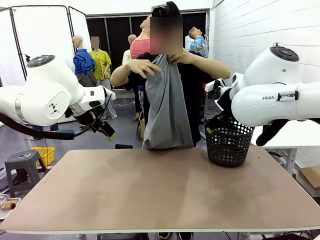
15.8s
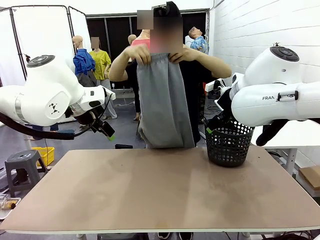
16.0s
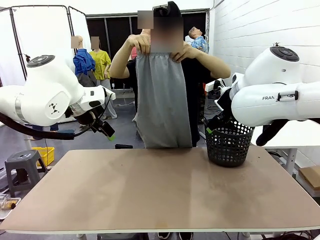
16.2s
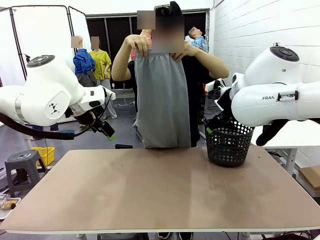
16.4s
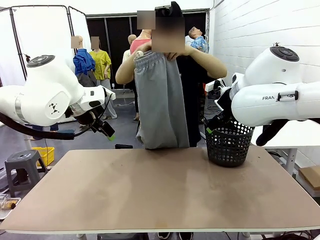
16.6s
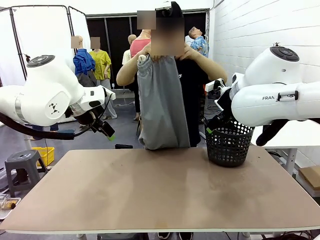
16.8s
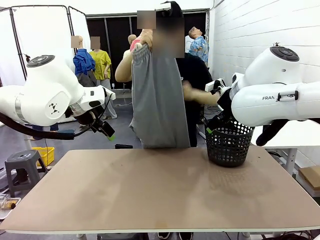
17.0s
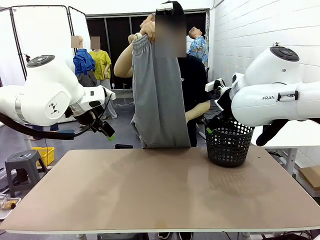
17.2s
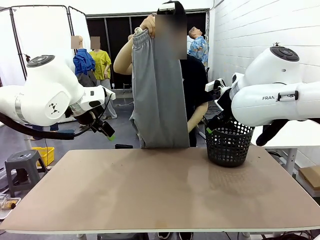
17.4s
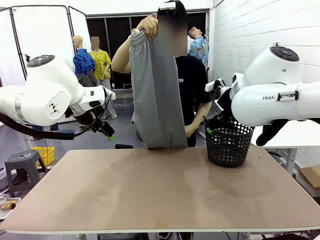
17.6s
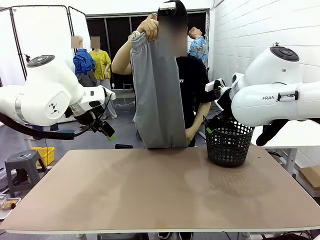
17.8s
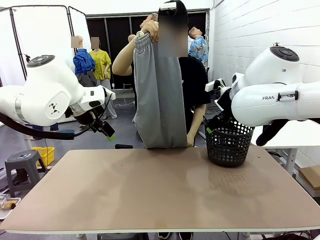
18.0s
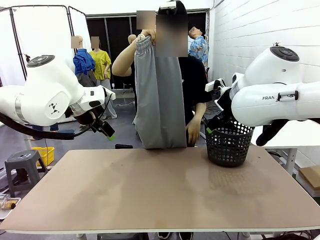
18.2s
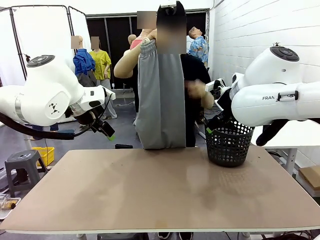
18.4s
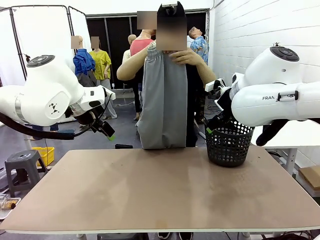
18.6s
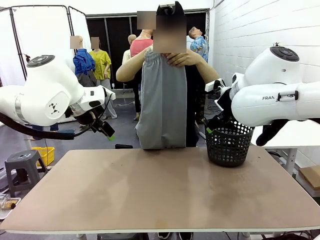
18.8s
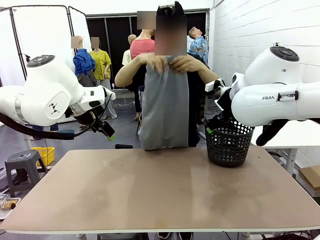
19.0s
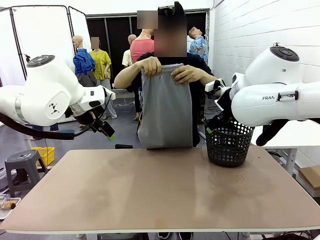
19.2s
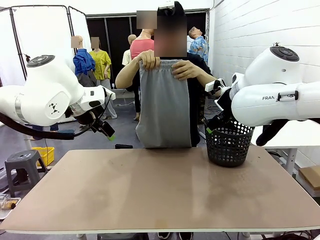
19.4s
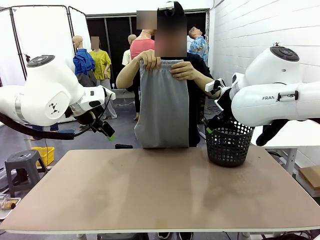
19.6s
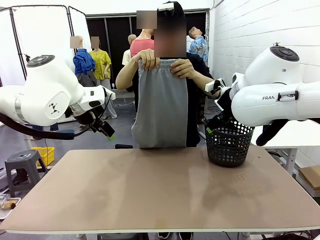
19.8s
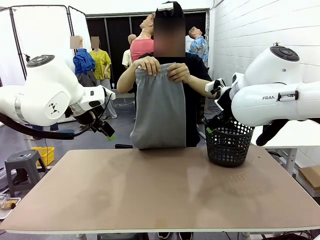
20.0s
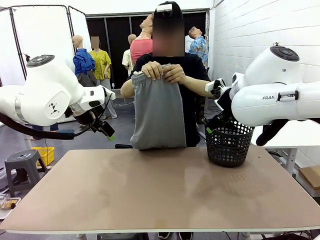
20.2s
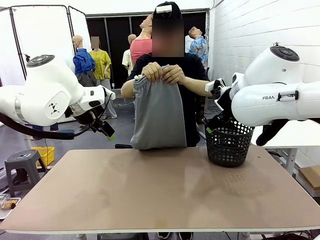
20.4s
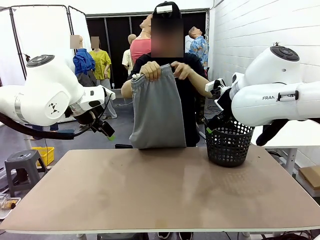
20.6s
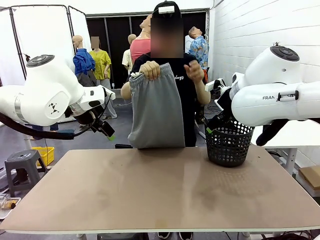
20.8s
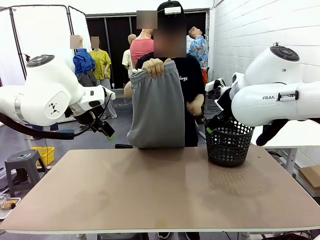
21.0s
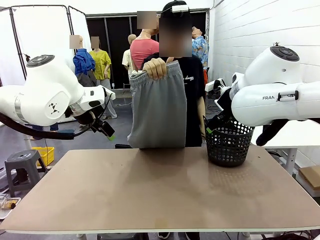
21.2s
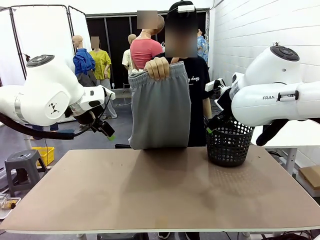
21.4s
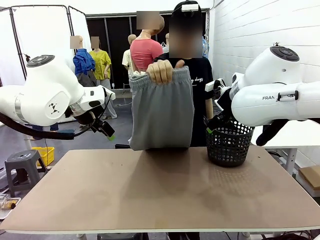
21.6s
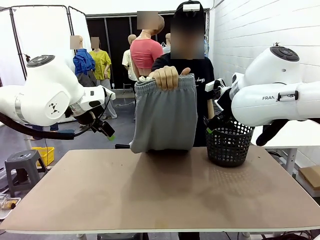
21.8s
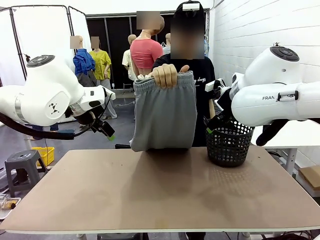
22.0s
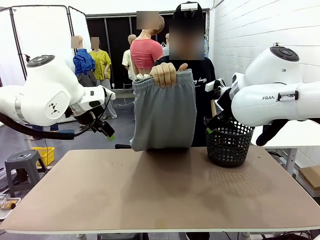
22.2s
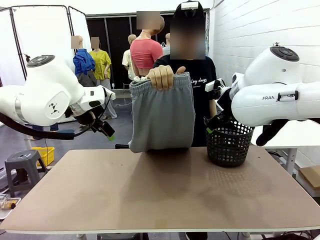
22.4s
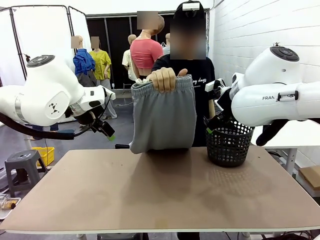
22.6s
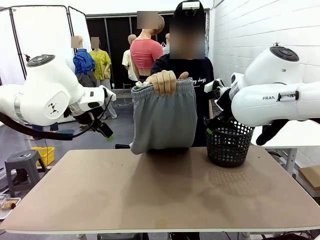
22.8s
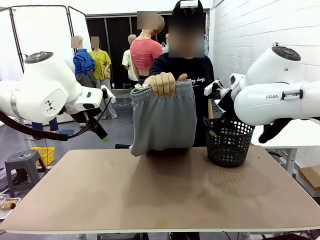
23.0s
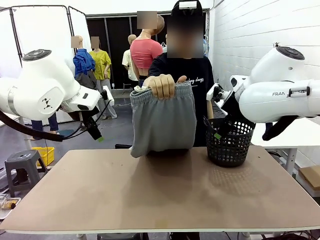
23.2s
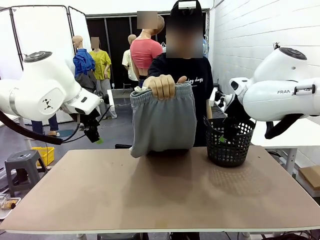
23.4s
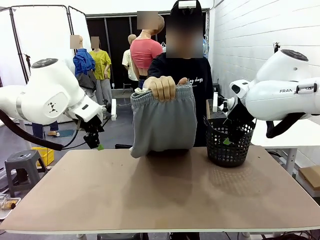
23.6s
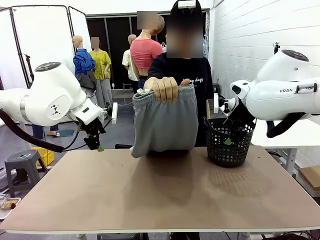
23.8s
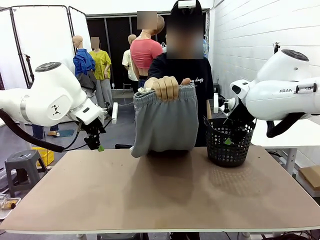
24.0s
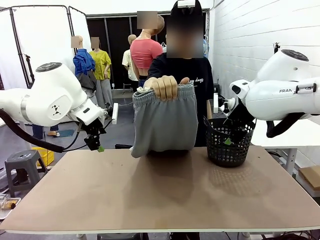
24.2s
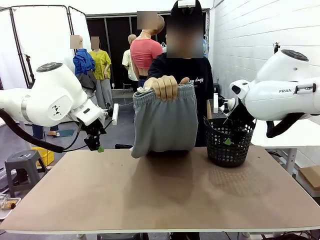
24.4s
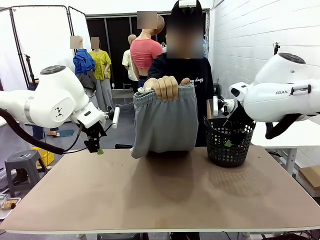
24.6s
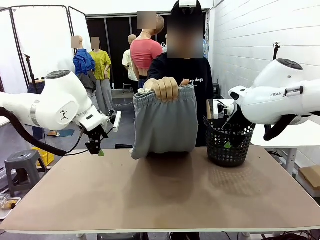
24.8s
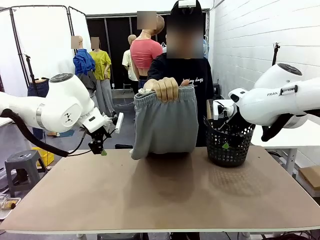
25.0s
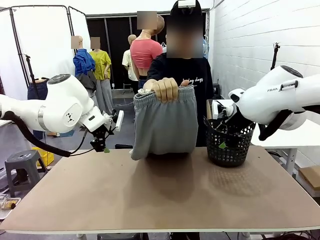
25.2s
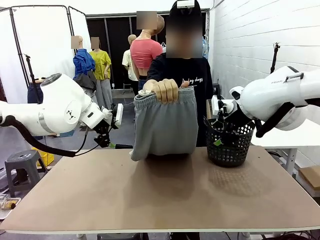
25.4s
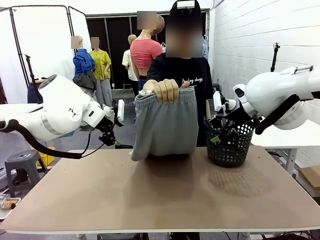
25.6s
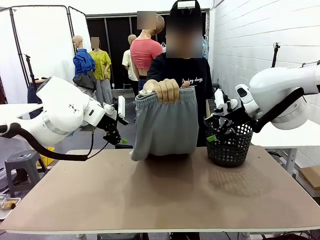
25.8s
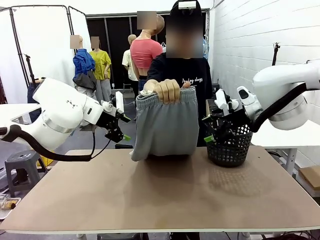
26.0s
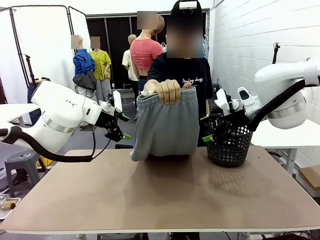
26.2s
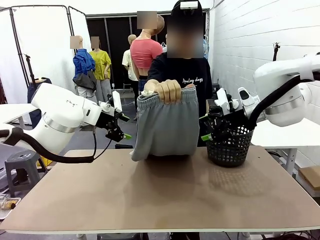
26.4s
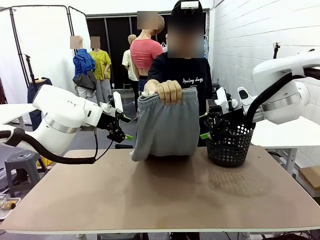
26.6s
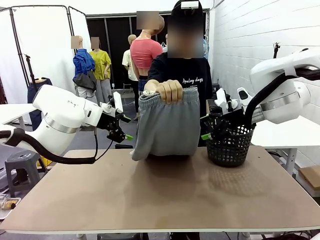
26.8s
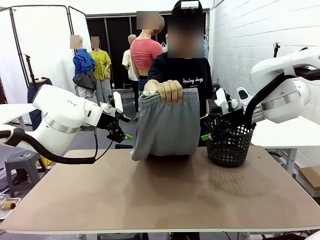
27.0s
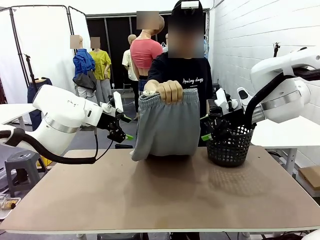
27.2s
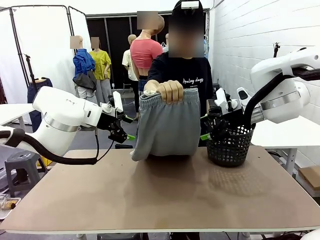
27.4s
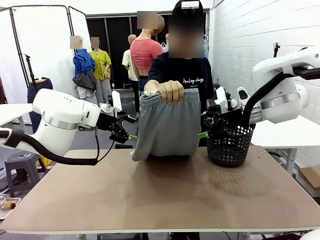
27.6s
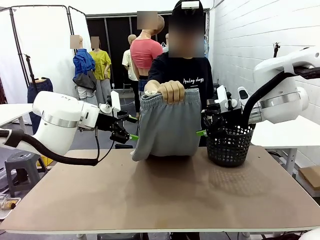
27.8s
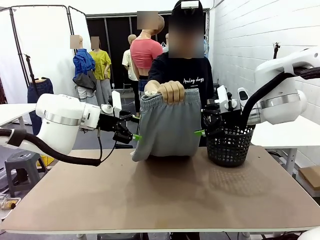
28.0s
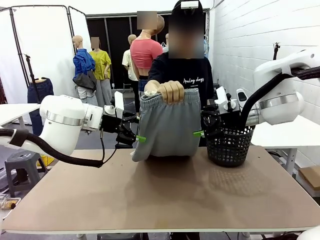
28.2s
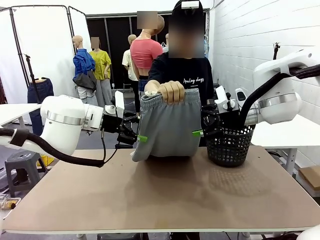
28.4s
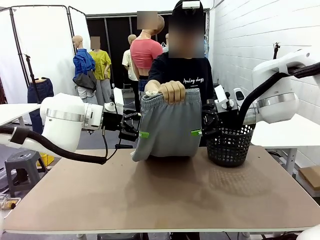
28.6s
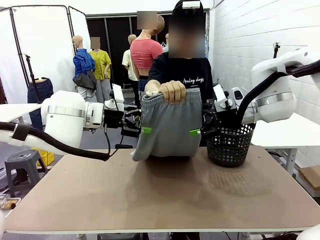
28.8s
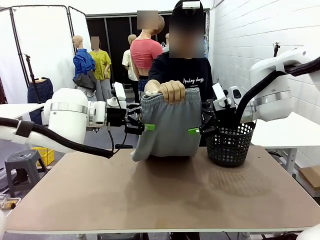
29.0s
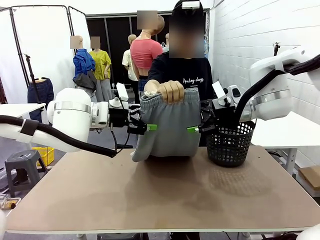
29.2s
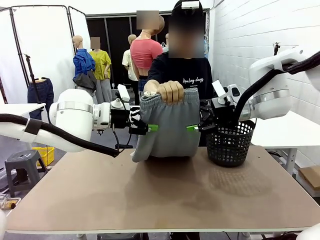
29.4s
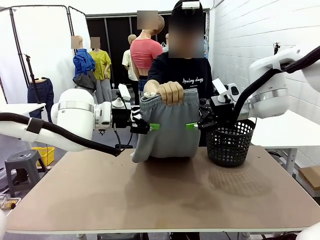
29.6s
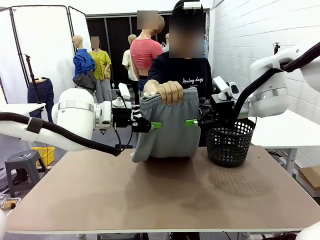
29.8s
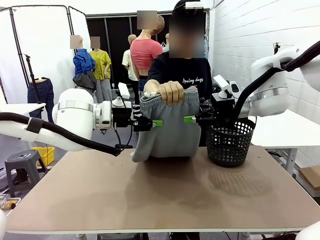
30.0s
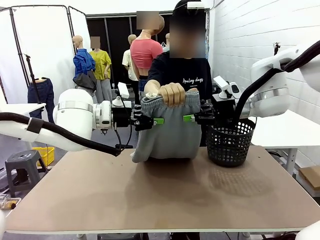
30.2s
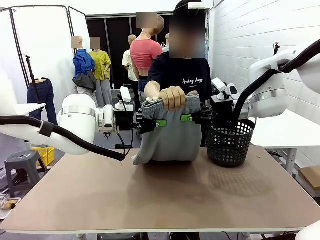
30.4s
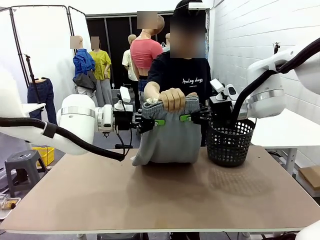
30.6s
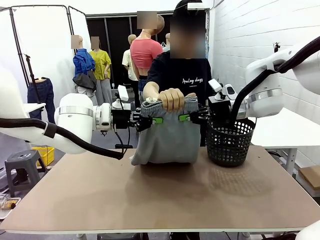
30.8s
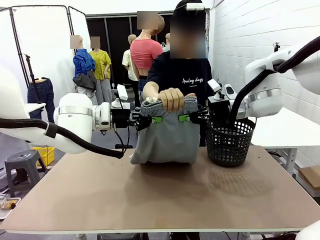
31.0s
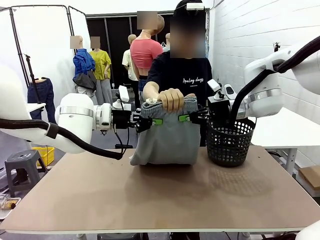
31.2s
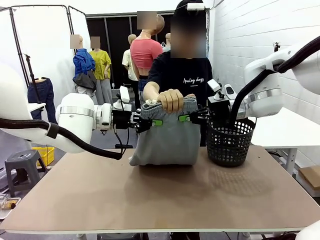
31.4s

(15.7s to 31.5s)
Task: Fold the training pants.
Robot: Grab both ends of the Training pants handed by a person.
